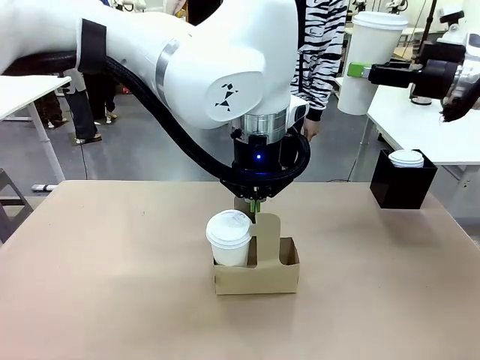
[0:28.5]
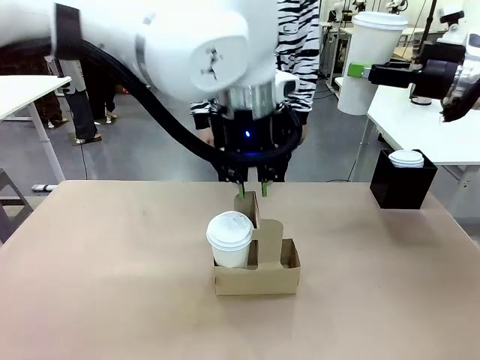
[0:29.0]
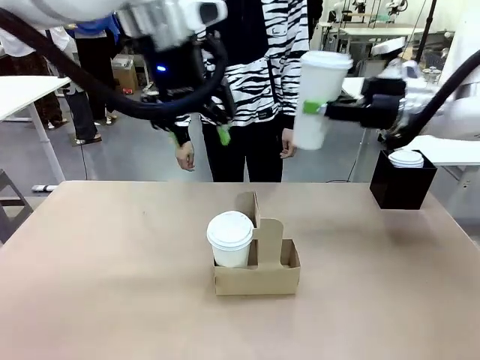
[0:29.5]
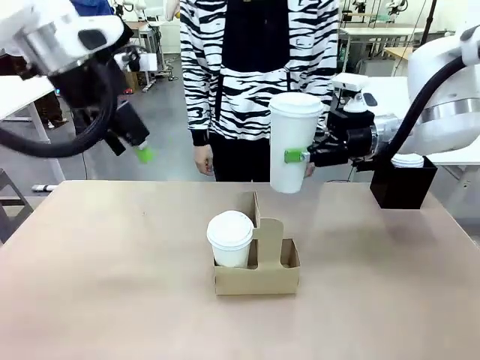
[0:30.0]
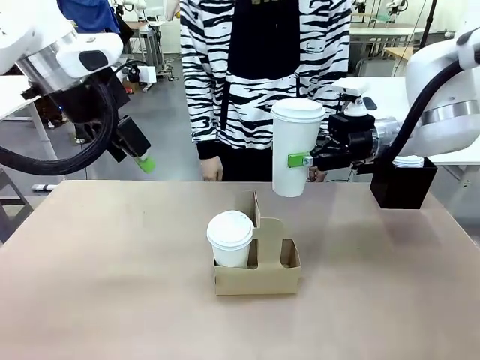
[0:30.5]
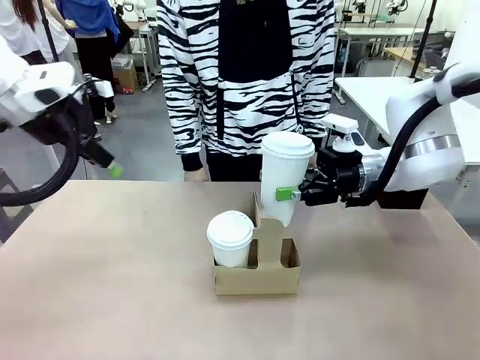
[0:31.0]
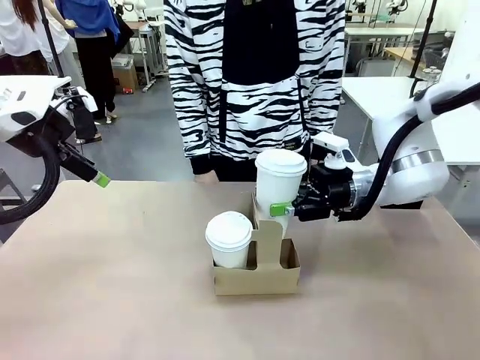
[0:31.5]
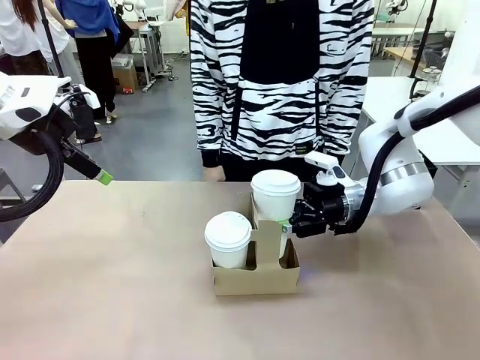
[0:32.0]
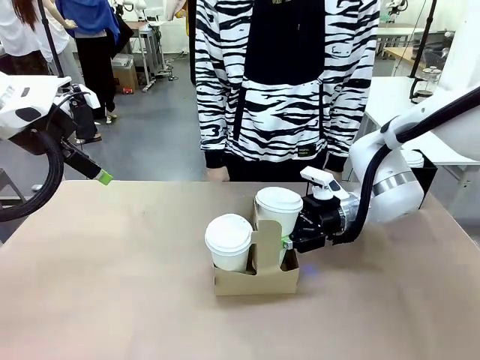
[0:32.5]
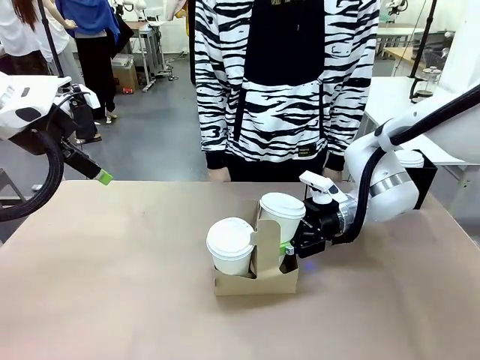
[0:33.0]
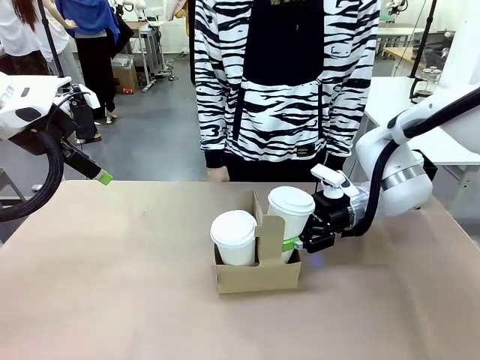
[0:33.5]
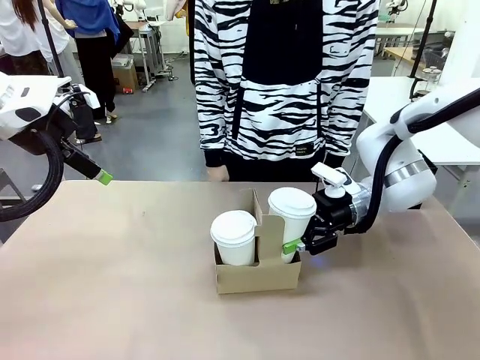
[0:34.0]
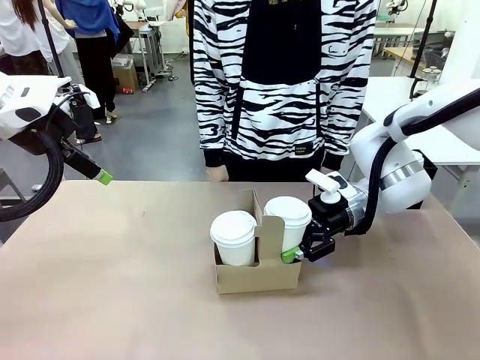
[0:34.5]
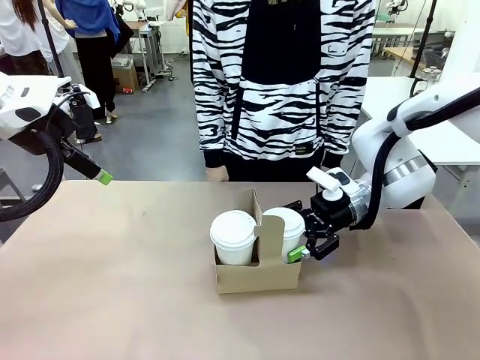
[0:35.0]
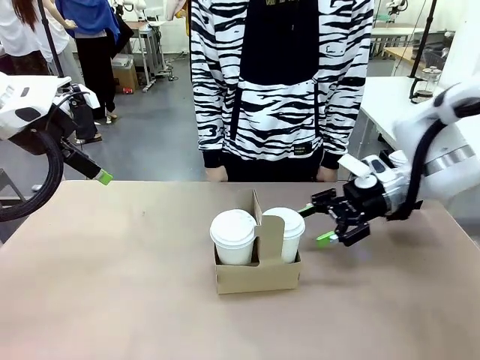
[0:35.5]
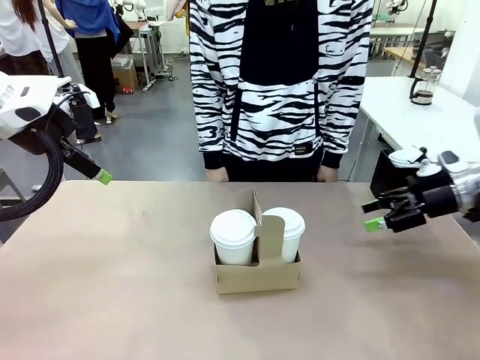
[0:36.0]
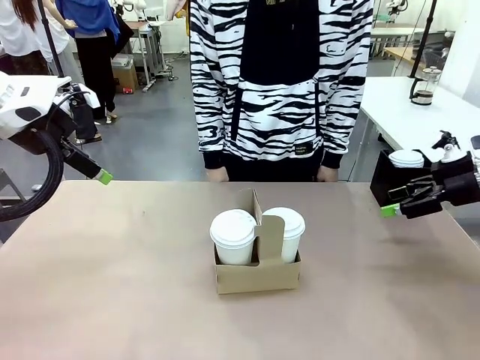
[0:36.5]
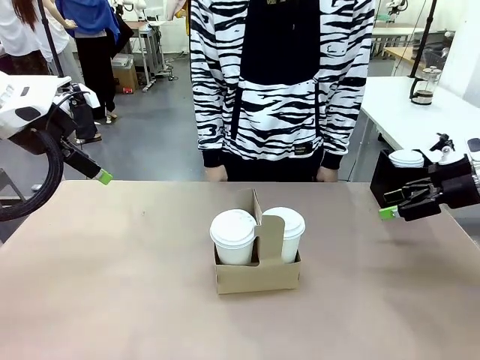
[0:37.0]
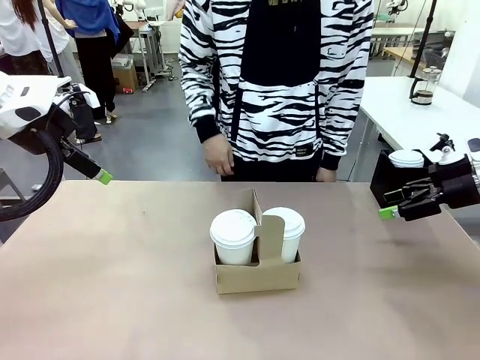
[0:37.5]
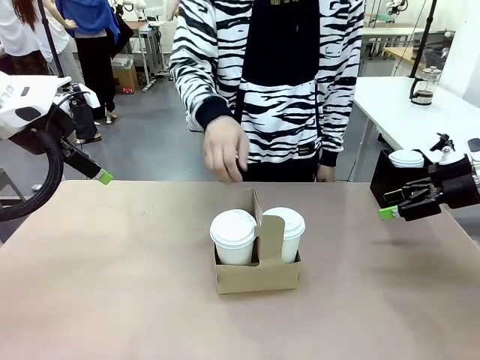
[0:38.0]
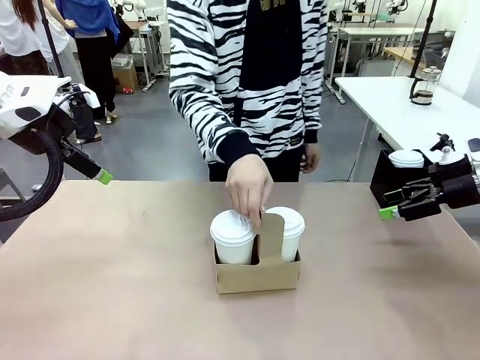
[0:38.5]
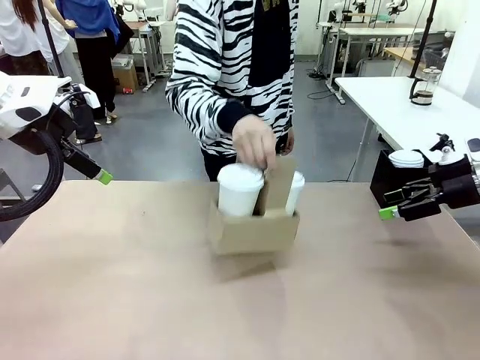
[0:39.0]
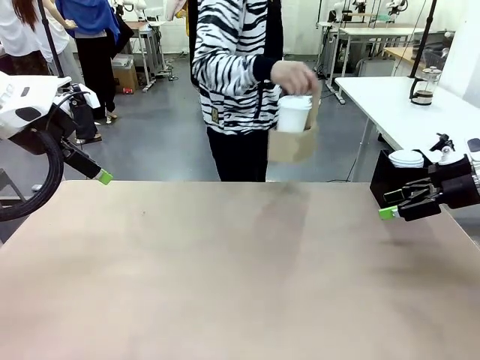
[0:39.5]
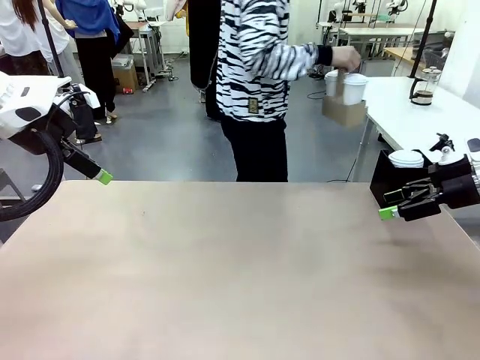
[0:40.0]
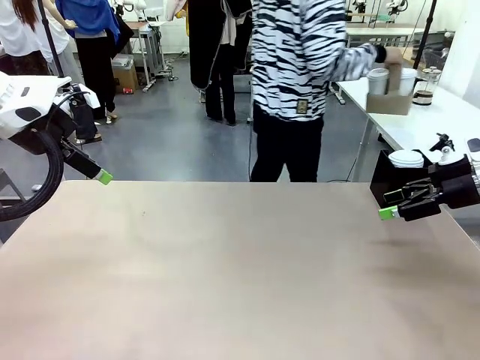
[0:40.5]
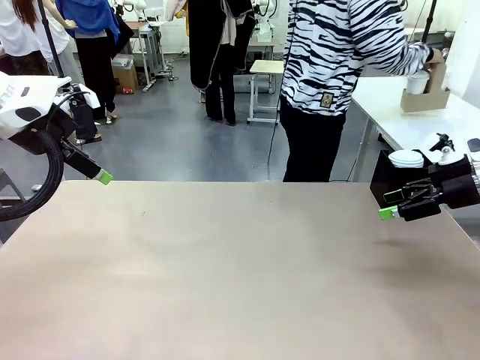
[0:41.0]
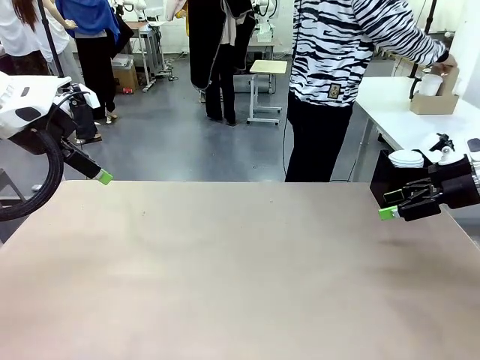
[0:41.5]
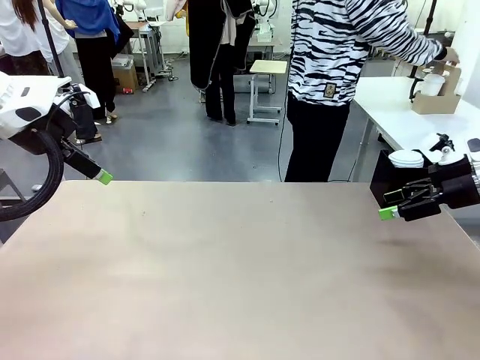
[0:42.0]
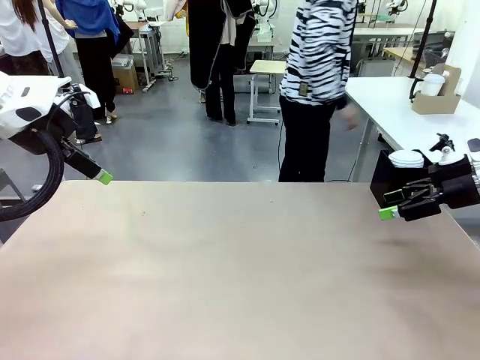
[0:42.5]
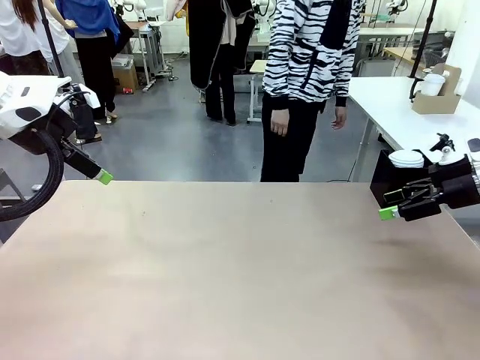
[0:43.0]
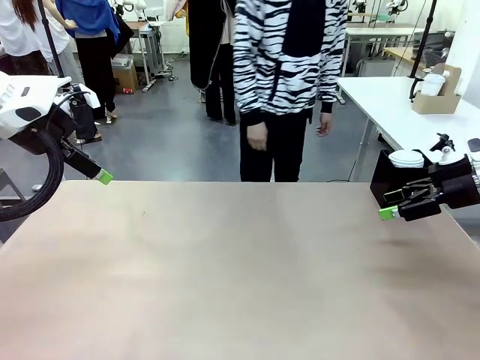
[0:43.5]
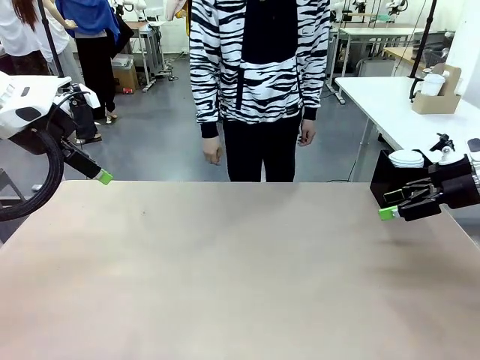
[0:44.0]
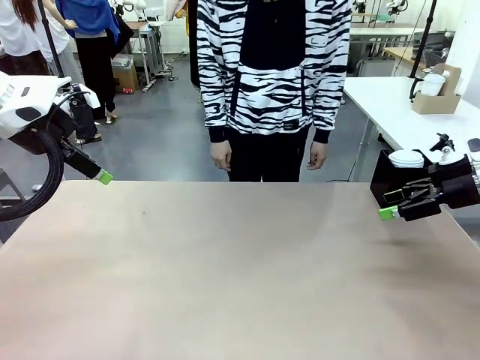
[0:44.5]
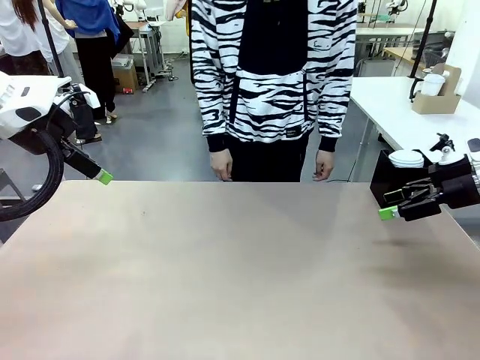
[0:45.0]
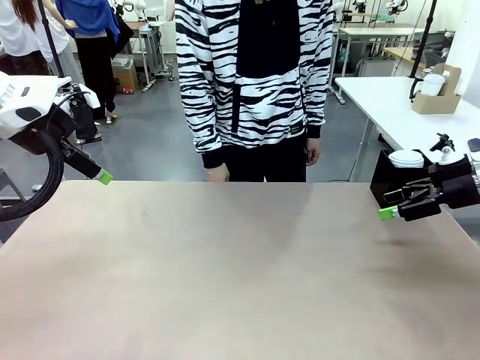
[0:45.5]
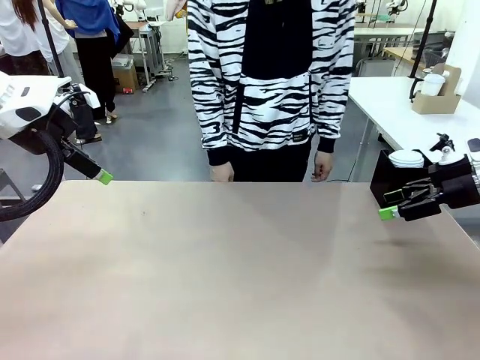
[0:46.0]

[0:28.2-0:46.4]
Task: Pour a drink into a cup and package it in a carrier.
Robot: Insert the held 600 ml Paper Cup into the Cup Carrier.
Person: Place the Cup Carrier to the middle of Human table.

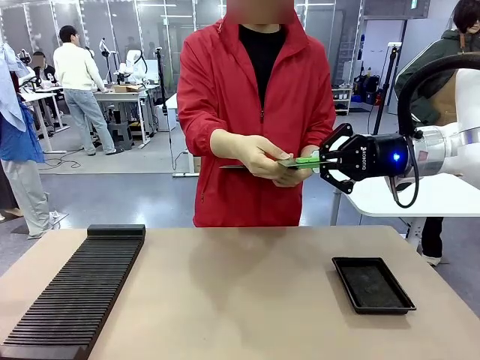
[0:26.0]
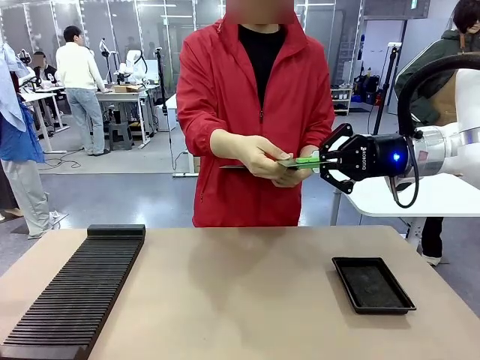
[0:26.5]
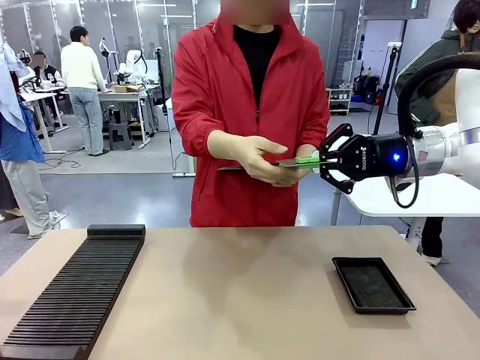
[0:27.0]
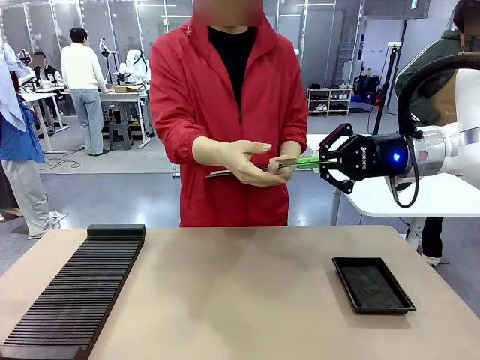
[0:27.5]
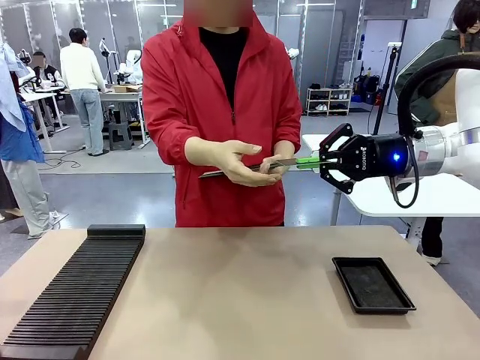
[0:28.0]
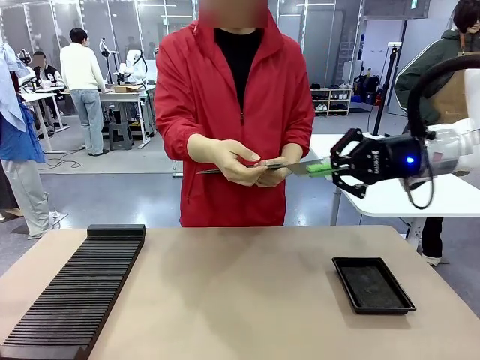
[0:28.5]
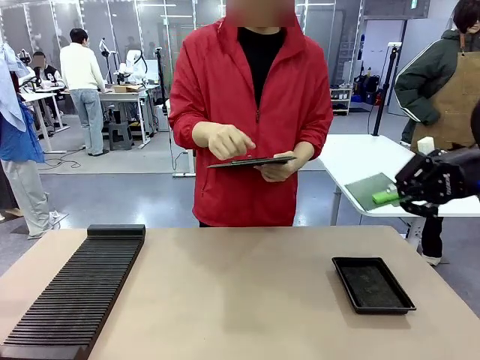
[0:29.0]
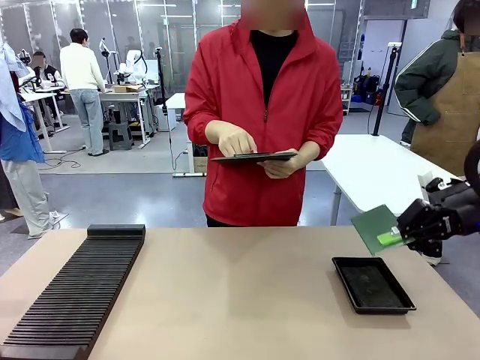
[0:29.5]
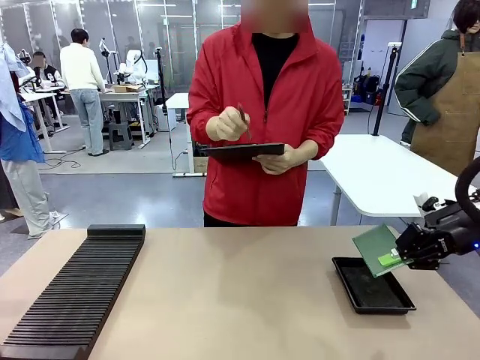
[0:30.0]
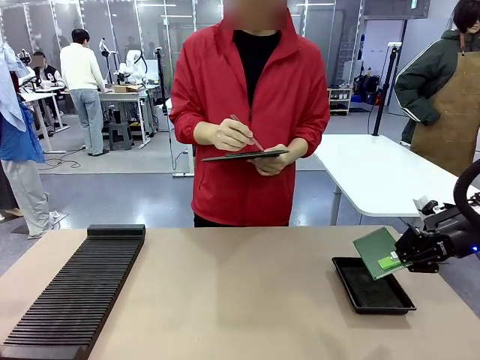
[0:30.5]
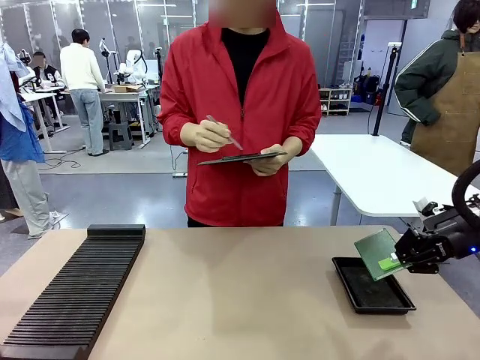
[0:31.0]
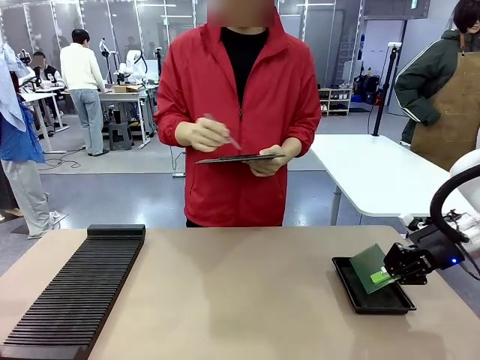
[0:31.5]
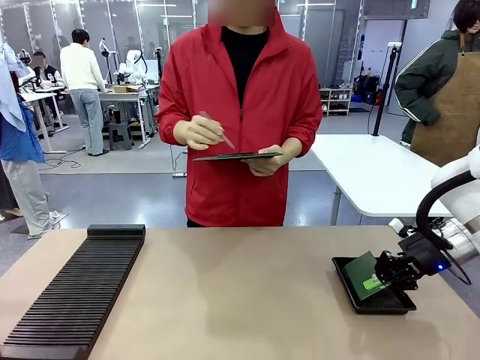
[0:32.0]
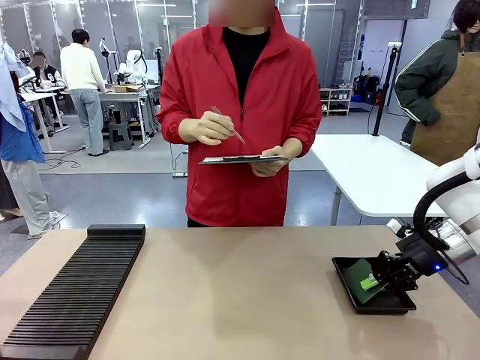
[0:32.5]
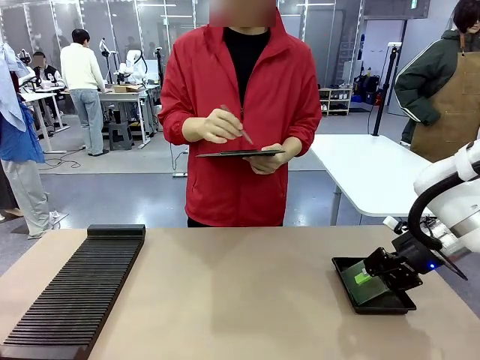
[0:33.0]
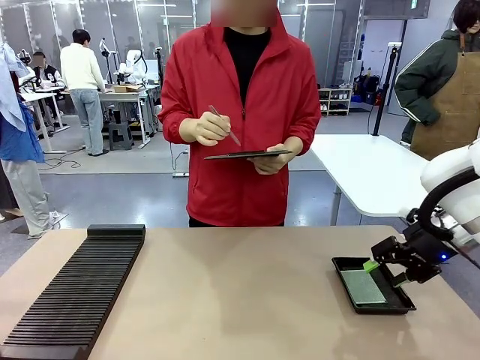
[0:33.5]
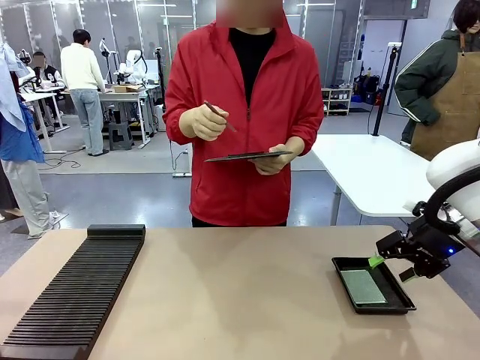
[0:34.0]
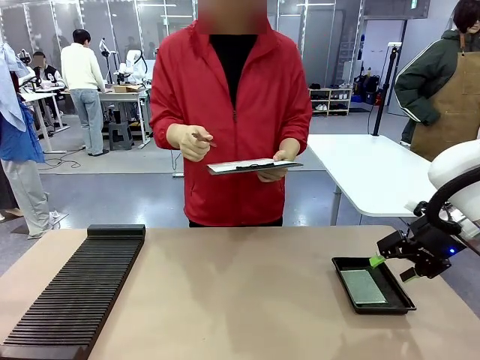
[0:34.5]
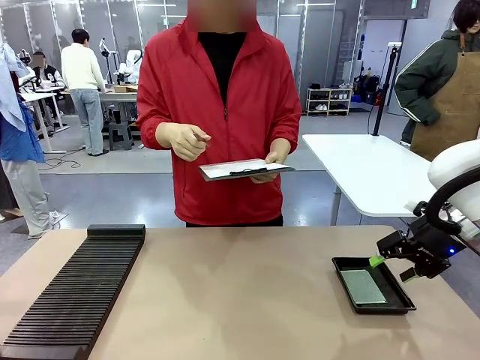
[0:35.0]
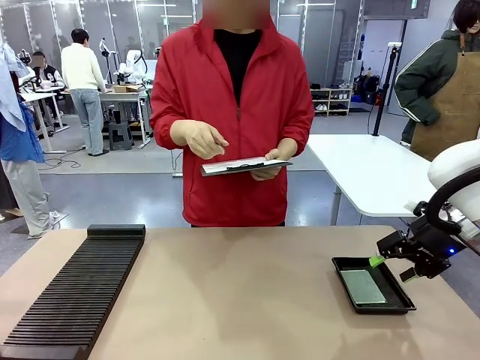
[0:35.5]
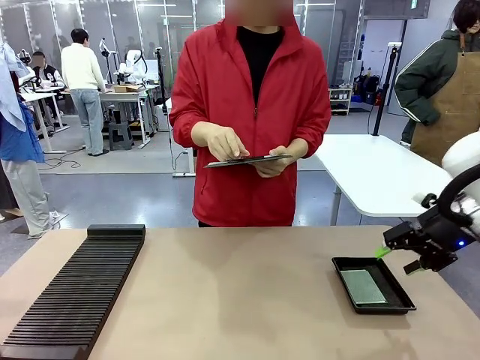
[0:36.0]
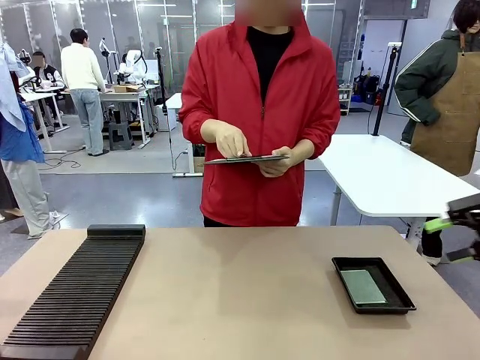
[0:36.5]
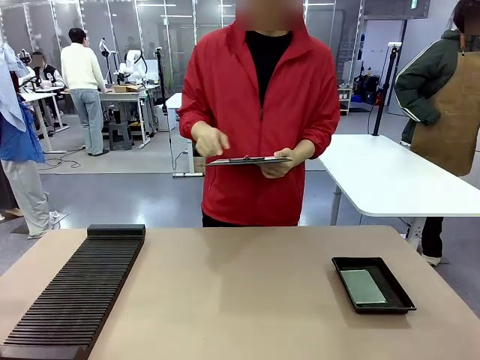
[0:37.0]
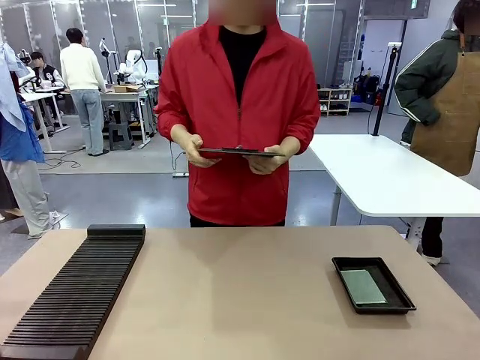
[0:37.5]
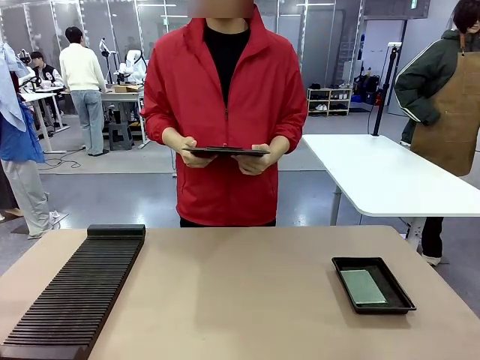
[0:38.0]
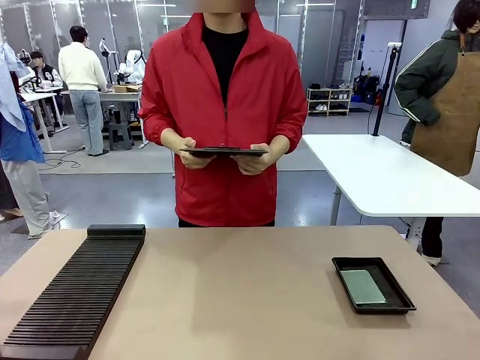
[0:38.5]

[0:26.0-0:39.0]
Task: Inspect the PCB.
Robot: Place the Blank PCB in the ESD tray.
Person: Record the PCB status on the paper.
